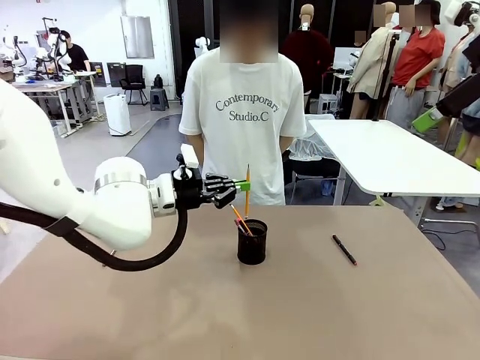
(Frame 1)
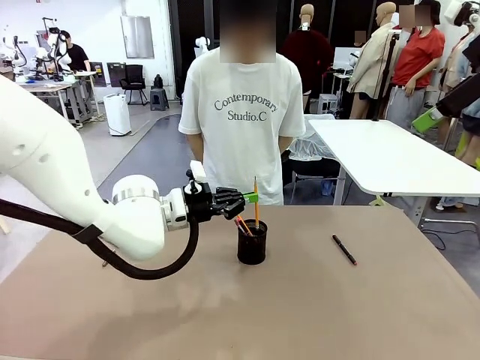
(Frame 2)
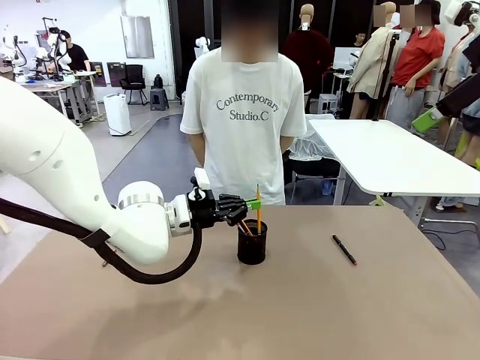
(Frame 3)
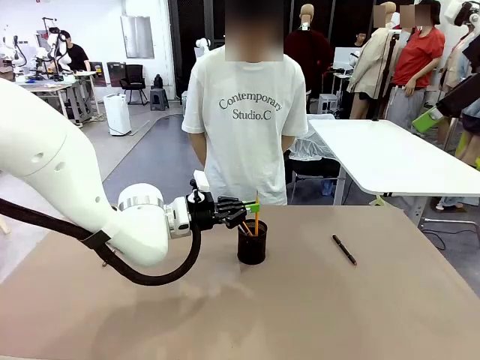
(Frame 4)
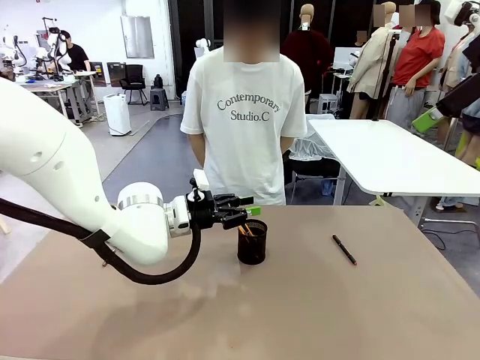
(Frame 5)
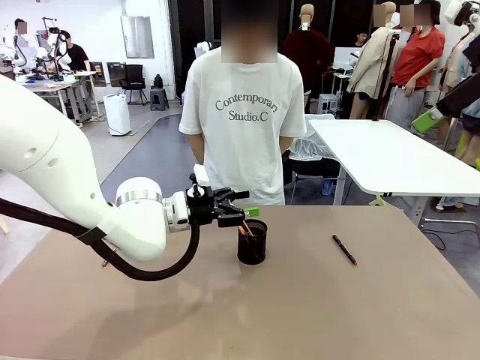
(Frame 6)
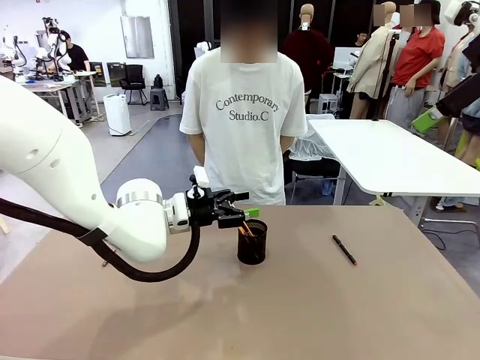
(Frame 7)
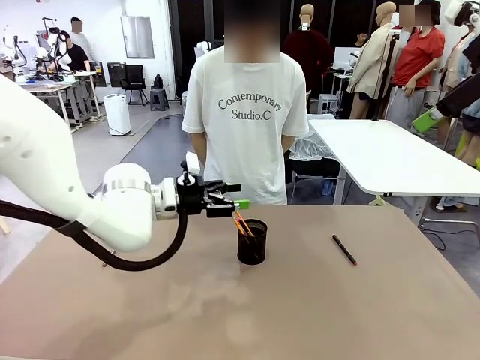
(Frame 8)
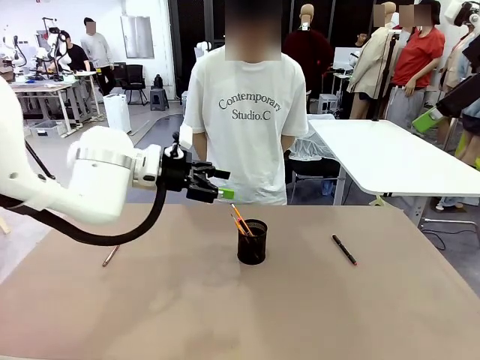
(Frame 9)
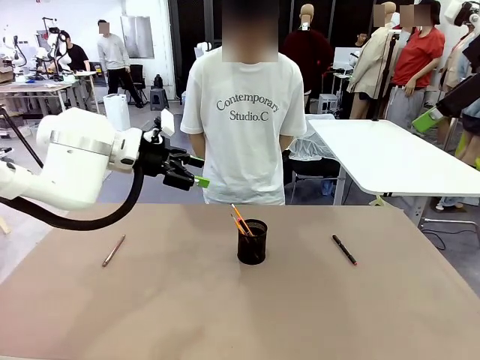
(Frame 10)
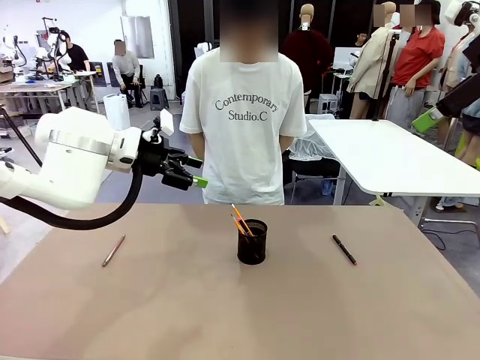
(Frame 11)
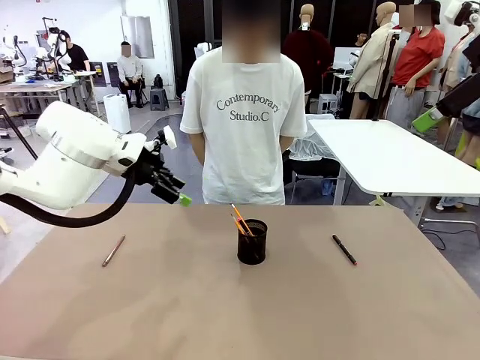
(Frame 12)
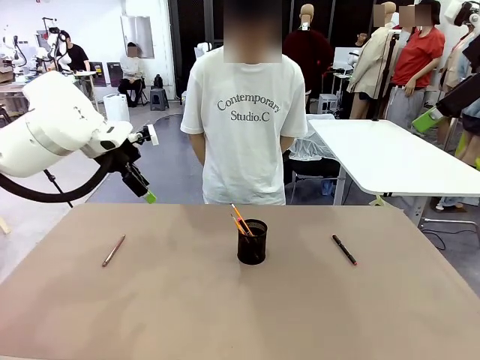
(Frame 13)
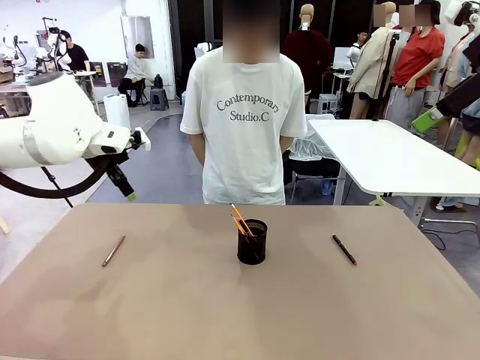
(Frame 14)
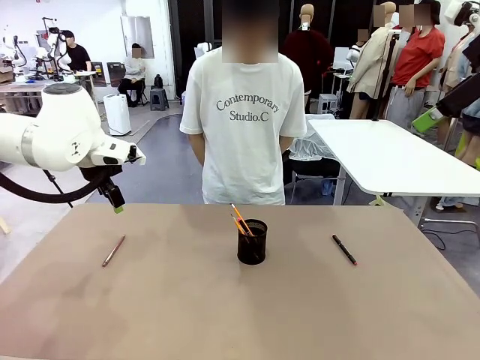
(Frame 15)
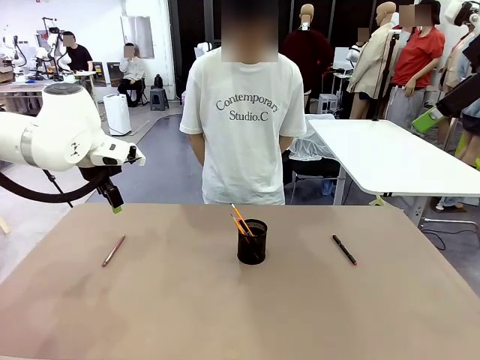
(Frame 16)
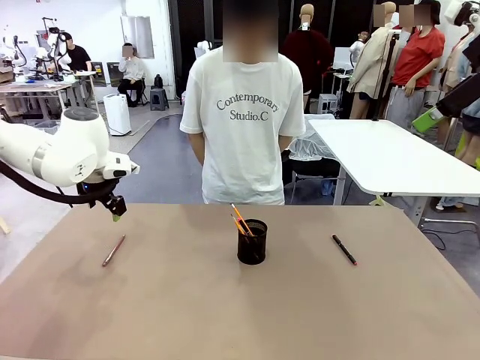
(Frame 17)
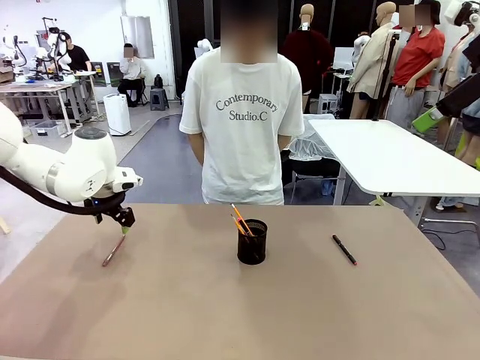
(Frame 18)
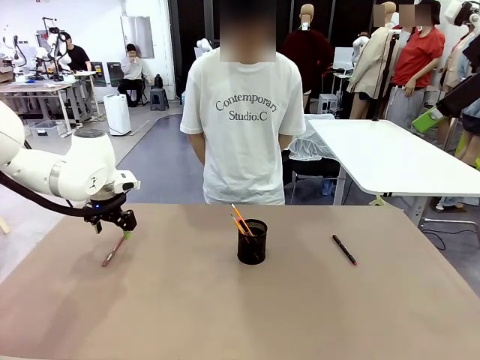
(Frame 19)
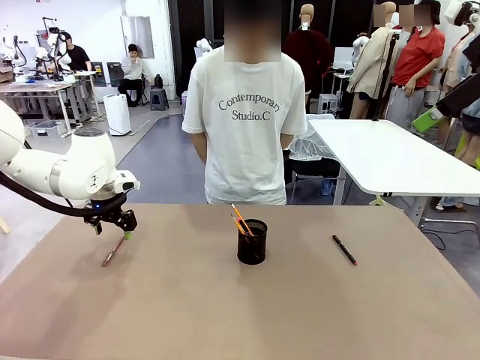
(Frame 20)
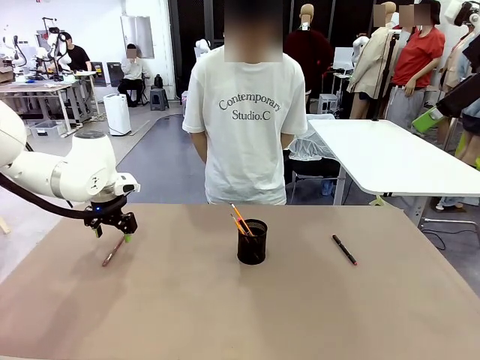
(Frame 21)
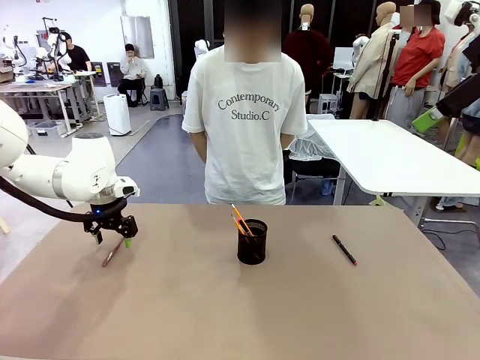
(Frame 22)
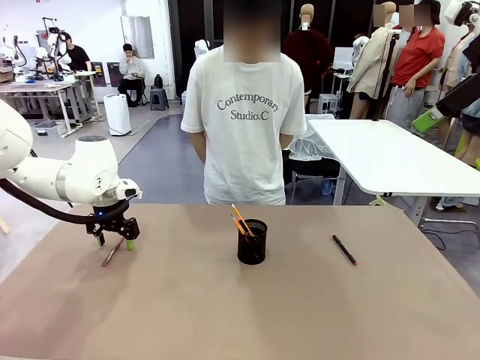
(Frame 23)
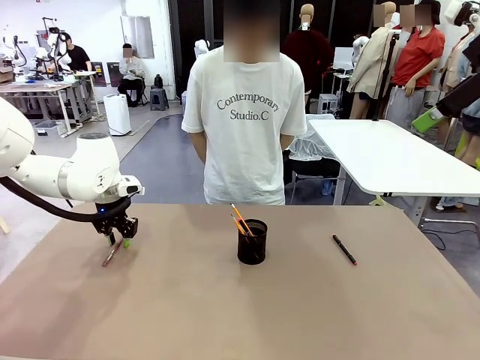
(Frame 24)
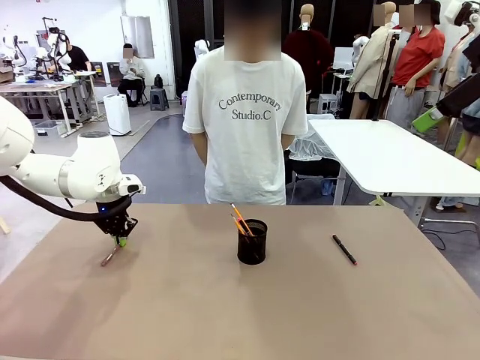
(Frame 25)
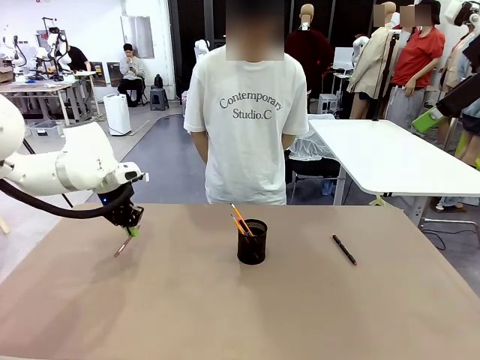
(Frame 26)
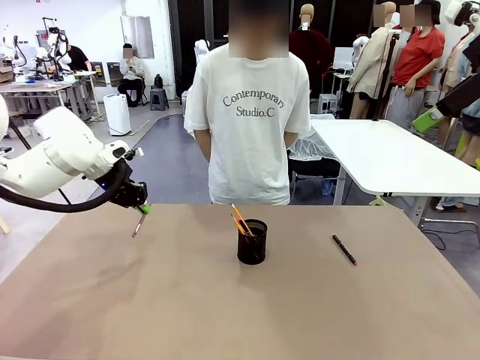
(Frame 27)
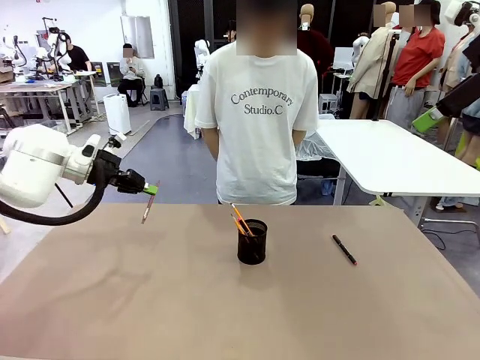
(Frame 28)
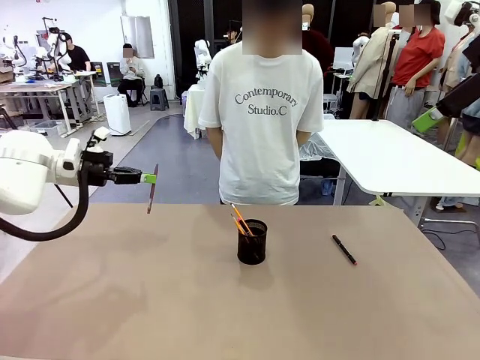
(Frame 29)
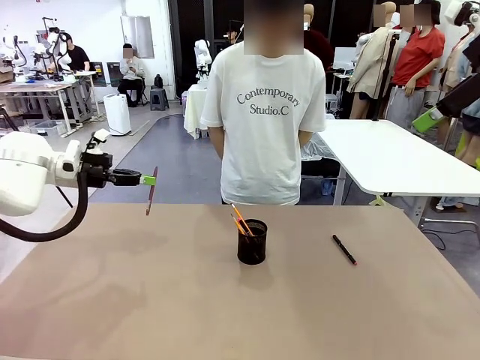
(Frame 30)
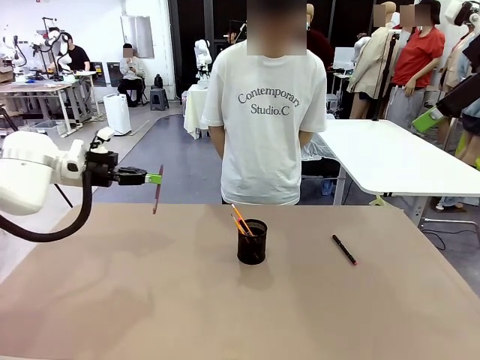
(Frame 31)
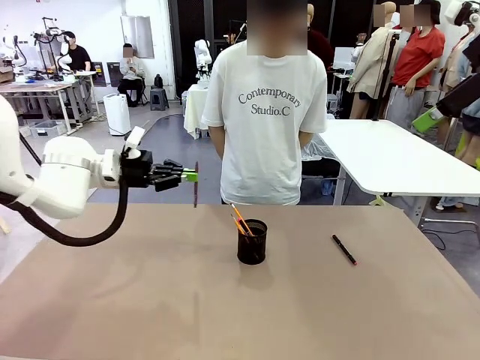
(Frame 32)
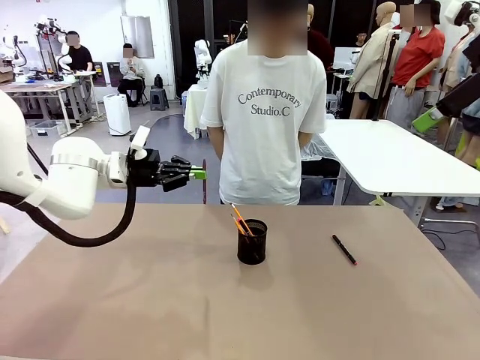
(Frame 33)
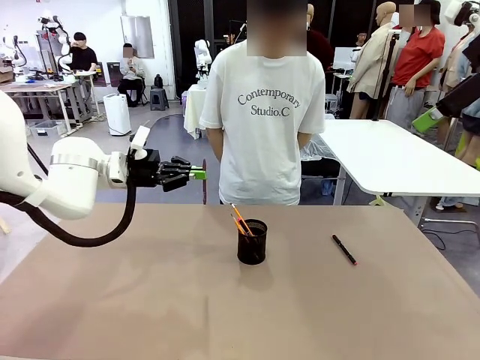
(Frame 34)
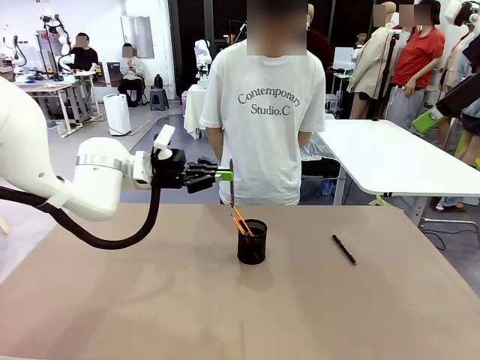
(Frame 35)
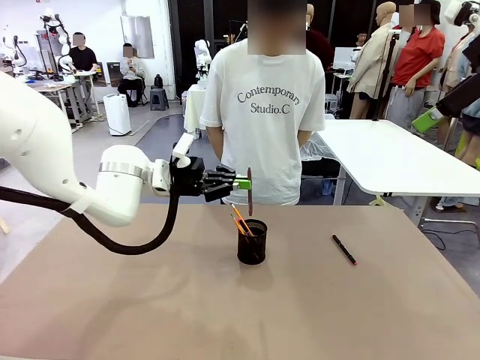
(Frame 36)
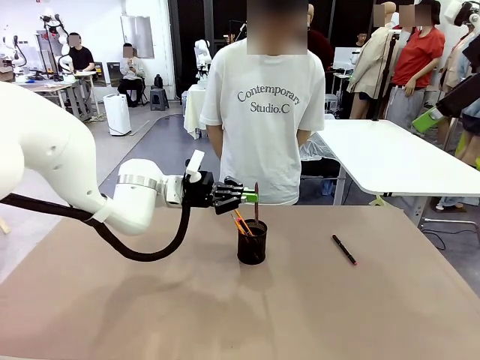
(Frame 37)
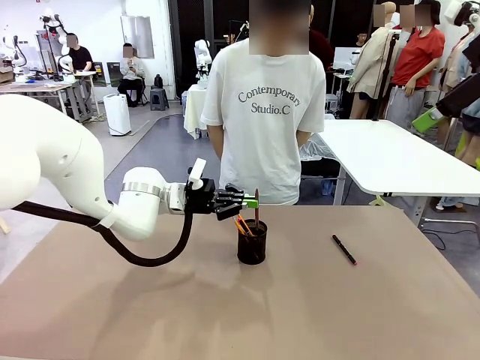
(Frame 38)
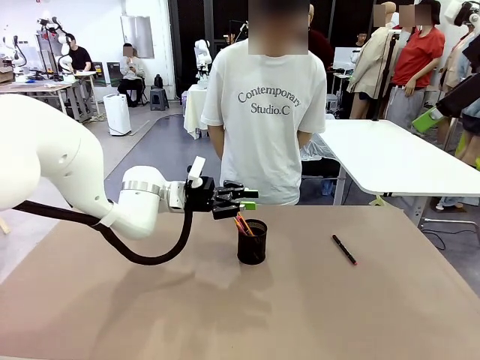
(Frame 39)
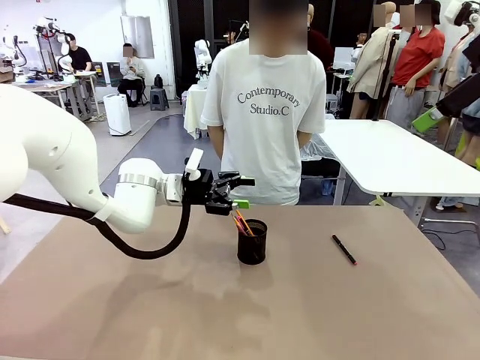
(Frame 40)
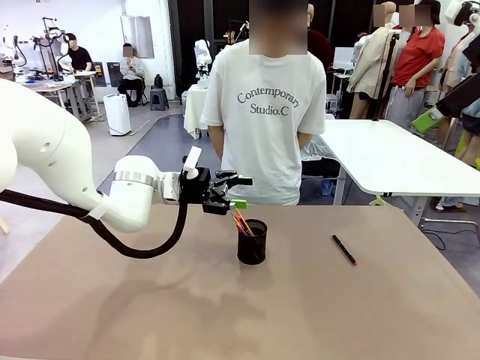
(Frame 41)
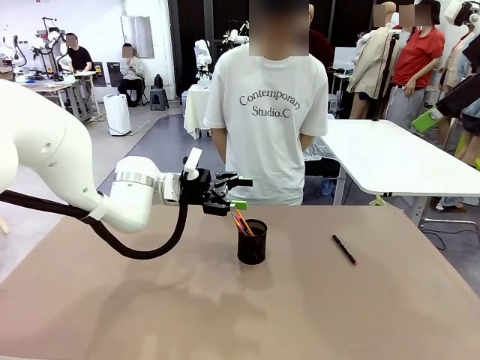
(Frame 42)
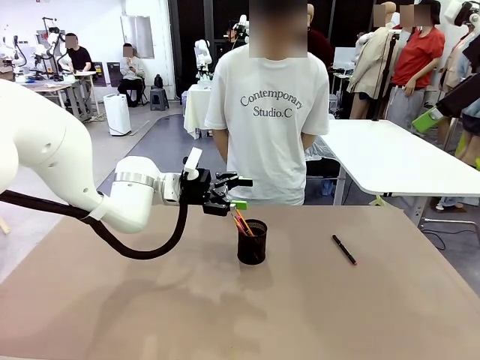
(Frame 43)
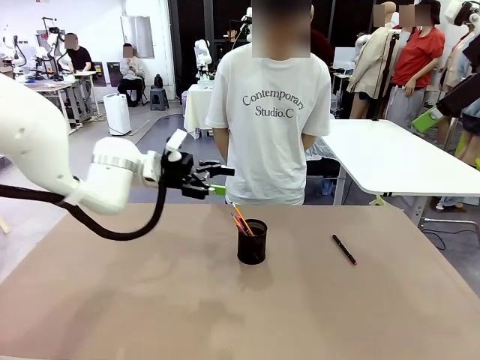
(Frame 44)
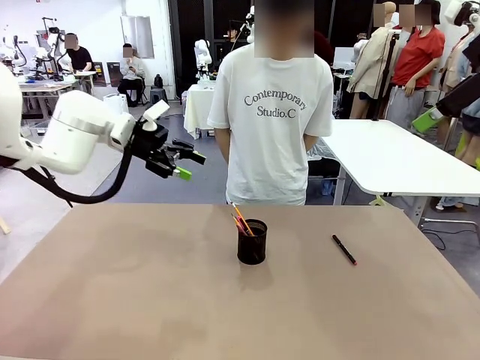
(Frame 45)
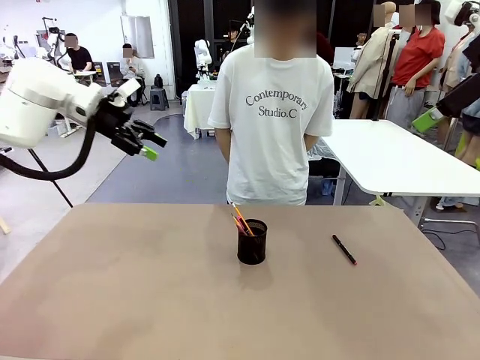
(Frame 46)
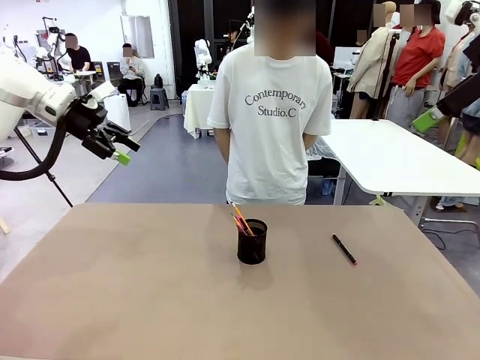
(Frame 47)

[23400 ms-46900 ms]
Task: Place the pens into the pen holder.
Robot: Pick up a writing instrument from the table and place it into the Pen holder.
